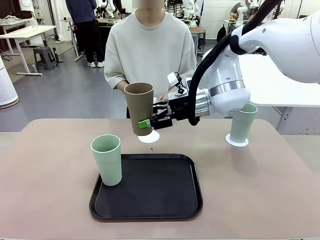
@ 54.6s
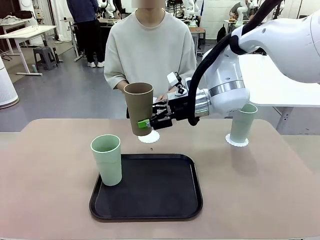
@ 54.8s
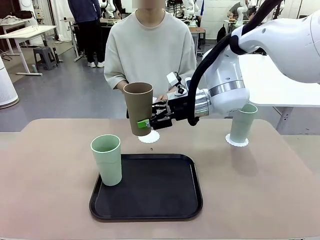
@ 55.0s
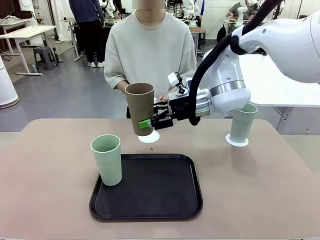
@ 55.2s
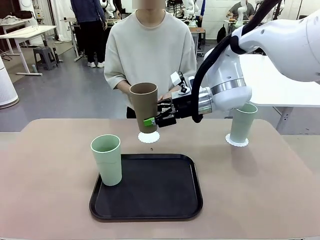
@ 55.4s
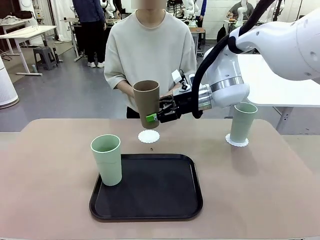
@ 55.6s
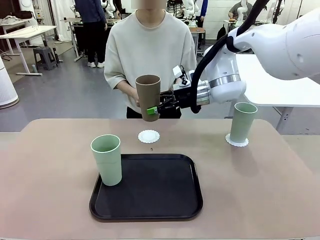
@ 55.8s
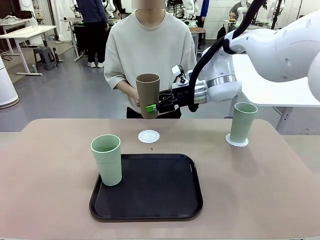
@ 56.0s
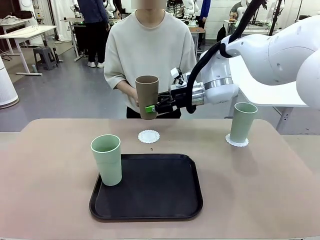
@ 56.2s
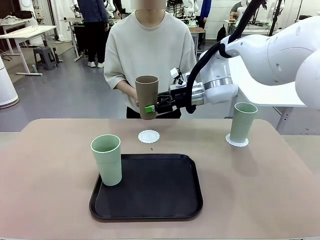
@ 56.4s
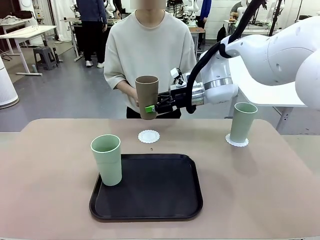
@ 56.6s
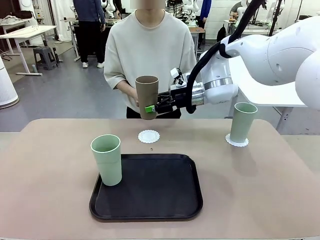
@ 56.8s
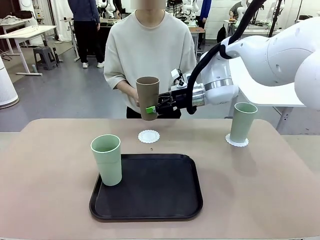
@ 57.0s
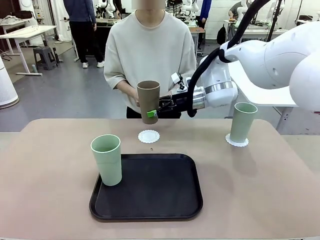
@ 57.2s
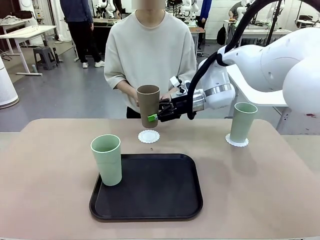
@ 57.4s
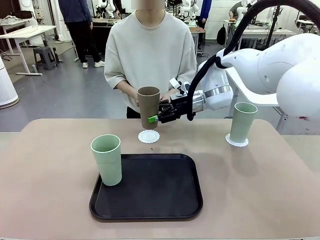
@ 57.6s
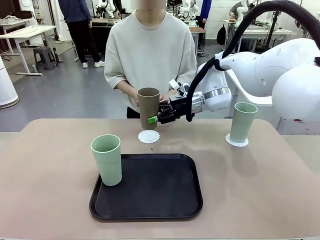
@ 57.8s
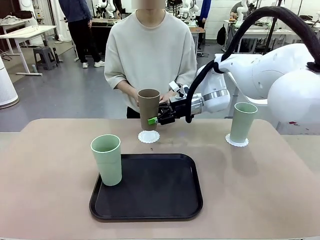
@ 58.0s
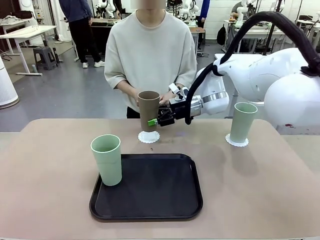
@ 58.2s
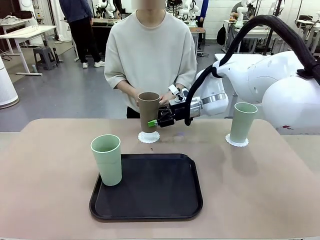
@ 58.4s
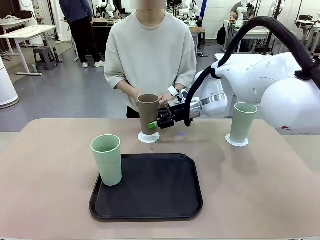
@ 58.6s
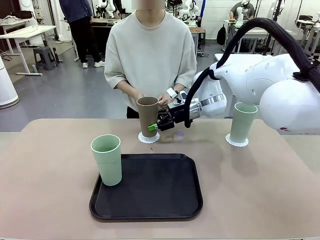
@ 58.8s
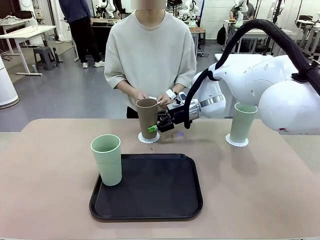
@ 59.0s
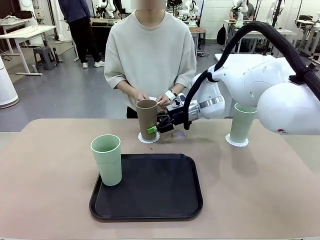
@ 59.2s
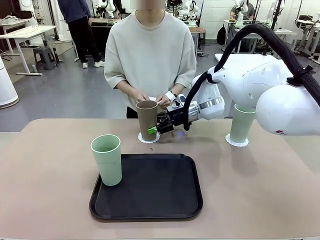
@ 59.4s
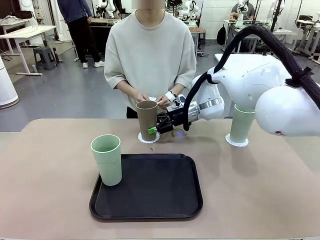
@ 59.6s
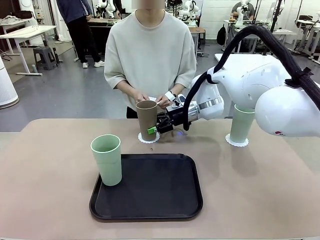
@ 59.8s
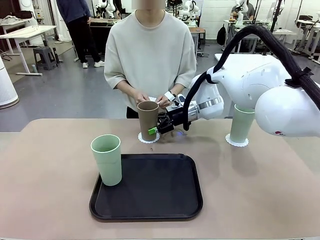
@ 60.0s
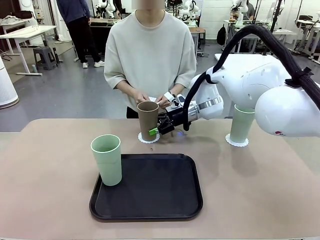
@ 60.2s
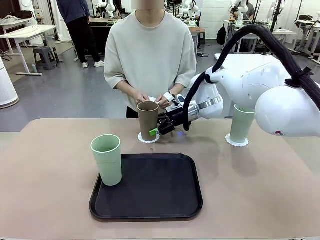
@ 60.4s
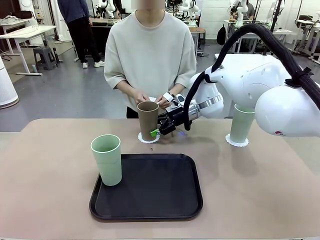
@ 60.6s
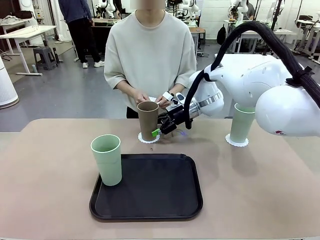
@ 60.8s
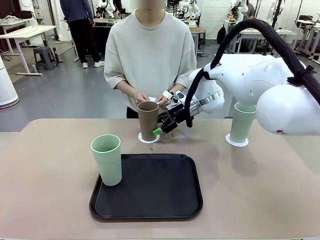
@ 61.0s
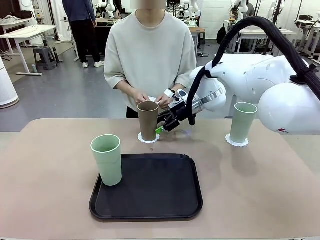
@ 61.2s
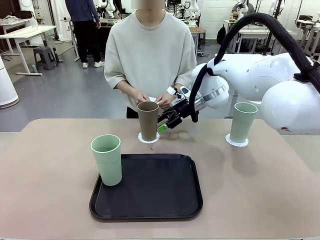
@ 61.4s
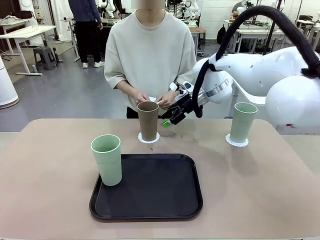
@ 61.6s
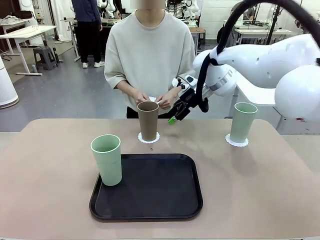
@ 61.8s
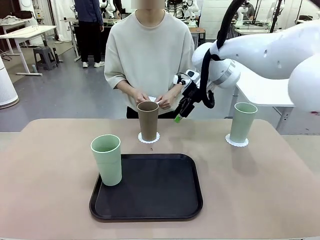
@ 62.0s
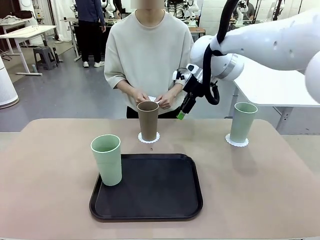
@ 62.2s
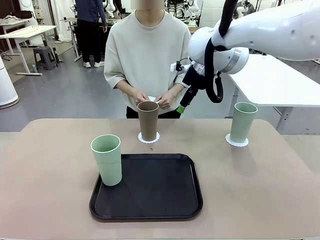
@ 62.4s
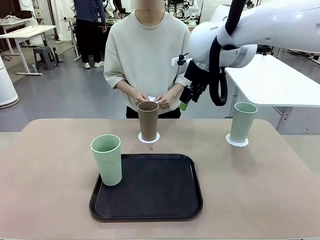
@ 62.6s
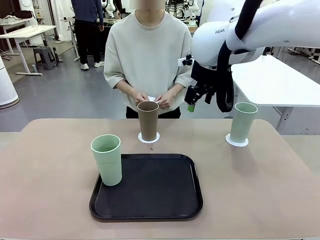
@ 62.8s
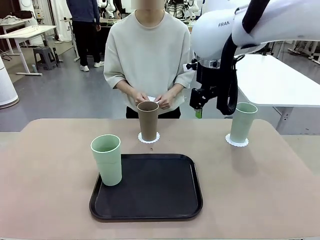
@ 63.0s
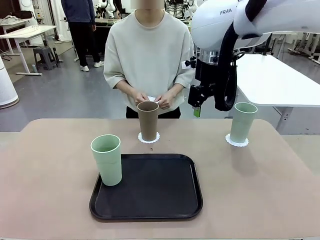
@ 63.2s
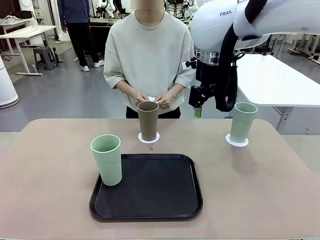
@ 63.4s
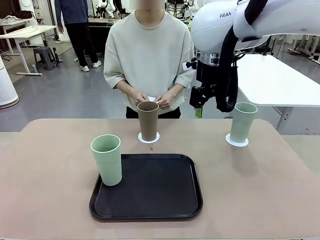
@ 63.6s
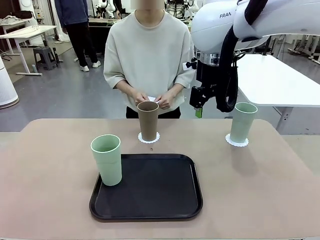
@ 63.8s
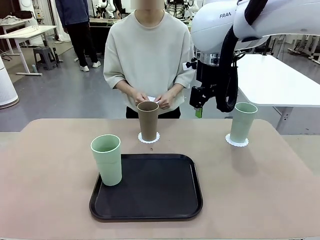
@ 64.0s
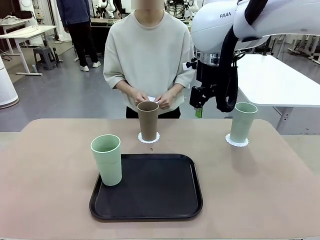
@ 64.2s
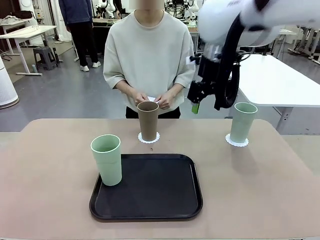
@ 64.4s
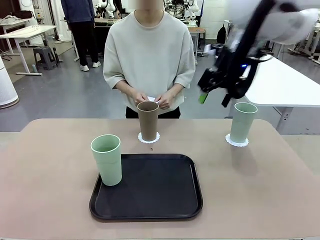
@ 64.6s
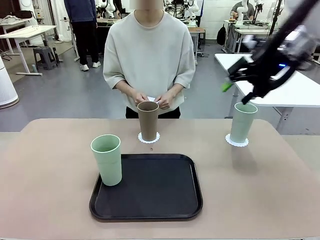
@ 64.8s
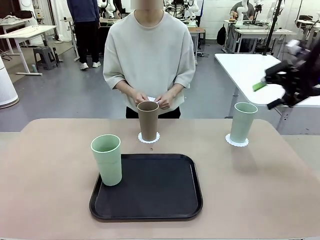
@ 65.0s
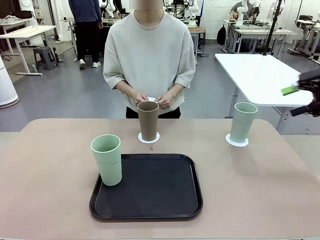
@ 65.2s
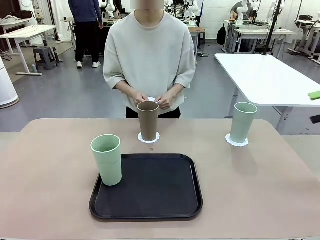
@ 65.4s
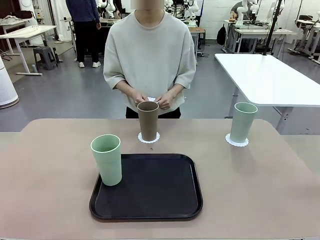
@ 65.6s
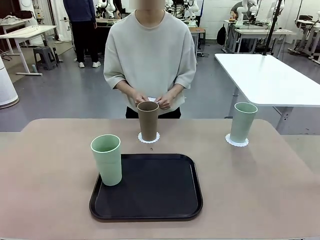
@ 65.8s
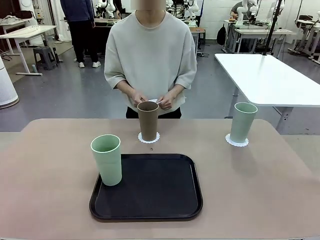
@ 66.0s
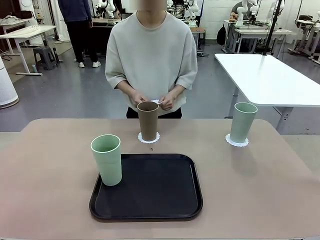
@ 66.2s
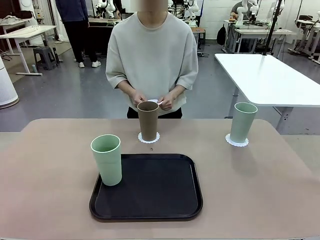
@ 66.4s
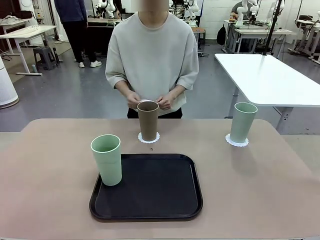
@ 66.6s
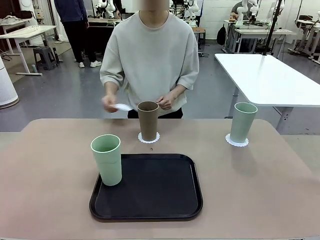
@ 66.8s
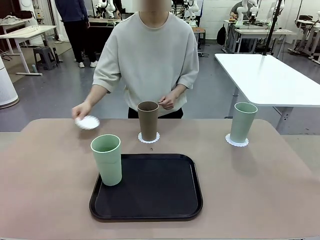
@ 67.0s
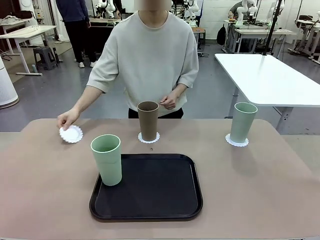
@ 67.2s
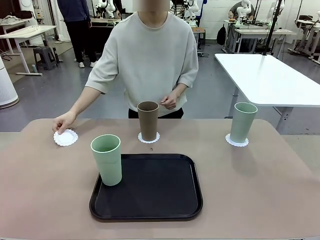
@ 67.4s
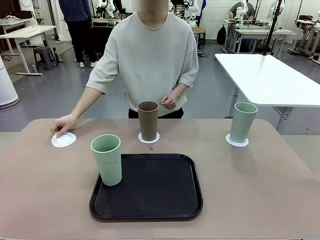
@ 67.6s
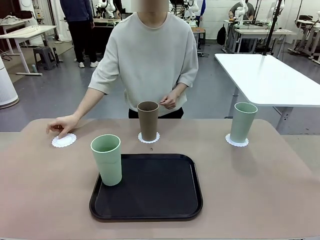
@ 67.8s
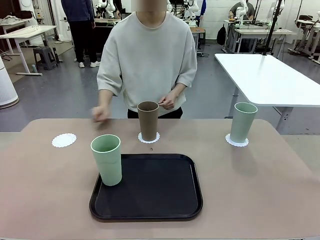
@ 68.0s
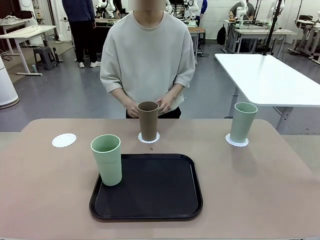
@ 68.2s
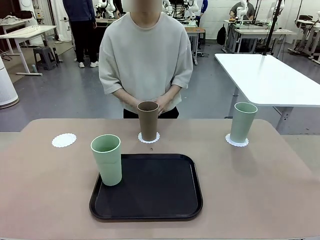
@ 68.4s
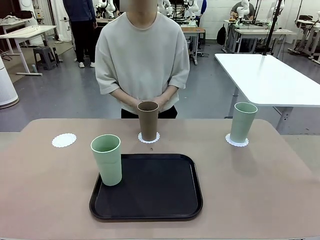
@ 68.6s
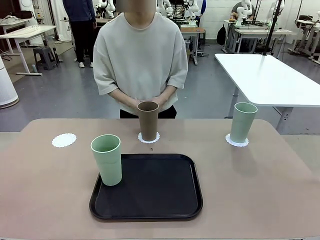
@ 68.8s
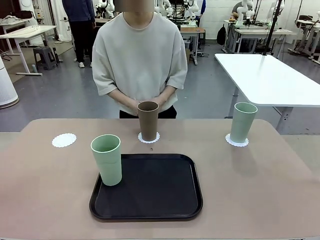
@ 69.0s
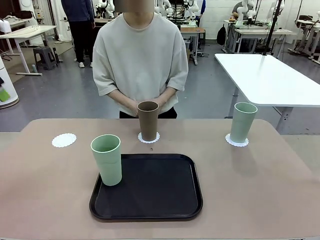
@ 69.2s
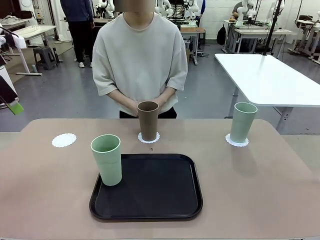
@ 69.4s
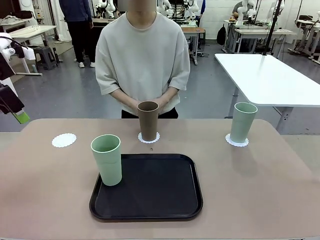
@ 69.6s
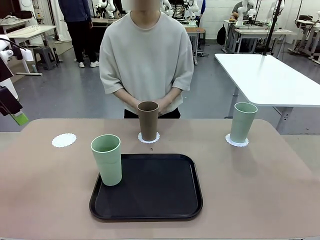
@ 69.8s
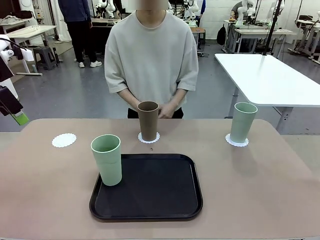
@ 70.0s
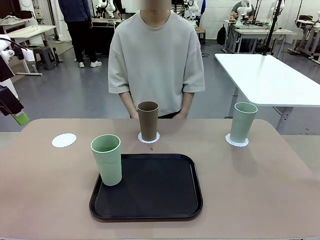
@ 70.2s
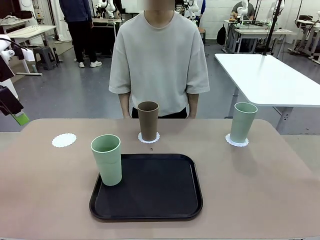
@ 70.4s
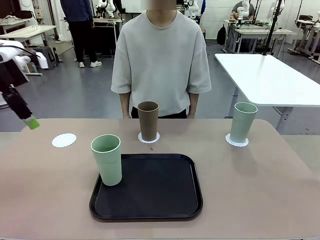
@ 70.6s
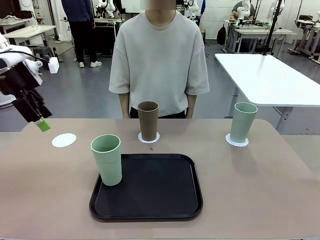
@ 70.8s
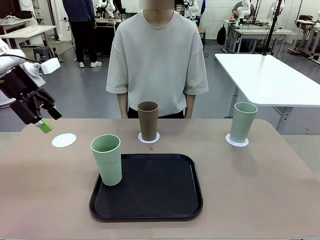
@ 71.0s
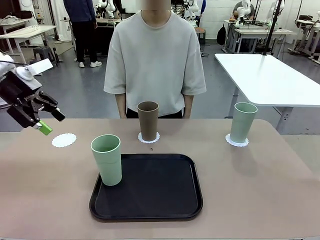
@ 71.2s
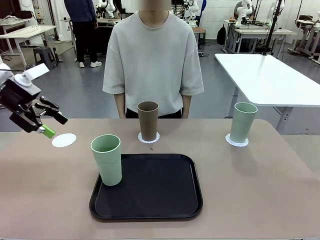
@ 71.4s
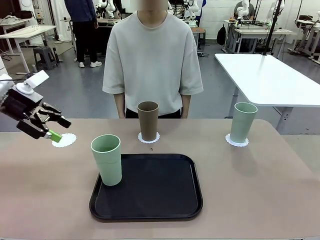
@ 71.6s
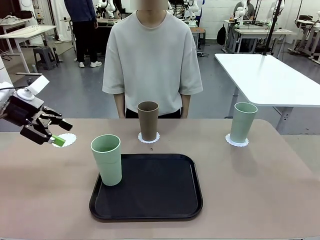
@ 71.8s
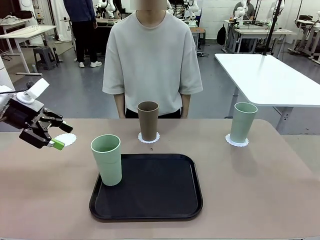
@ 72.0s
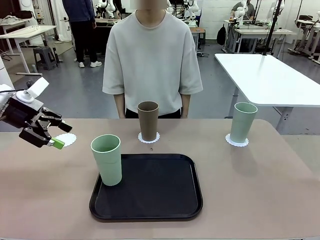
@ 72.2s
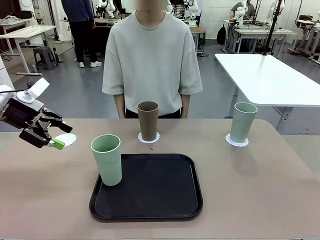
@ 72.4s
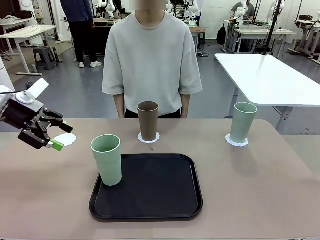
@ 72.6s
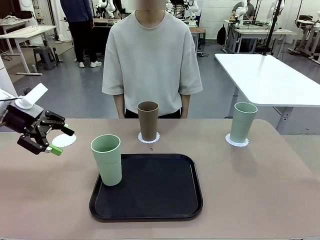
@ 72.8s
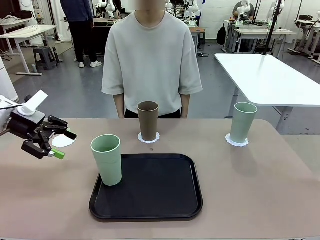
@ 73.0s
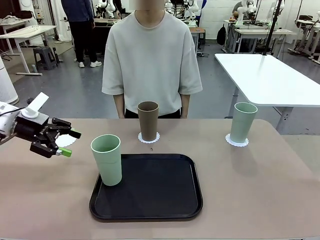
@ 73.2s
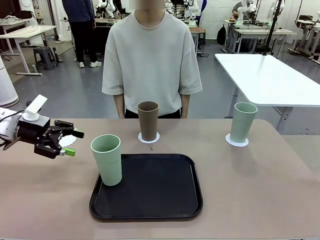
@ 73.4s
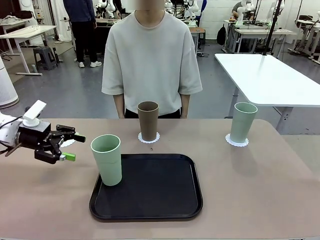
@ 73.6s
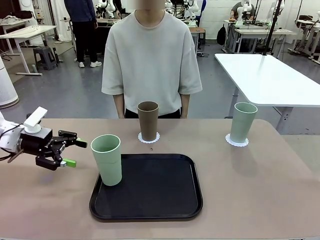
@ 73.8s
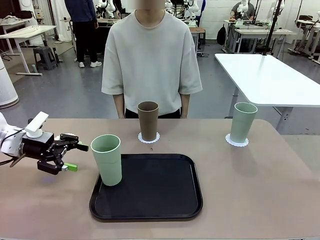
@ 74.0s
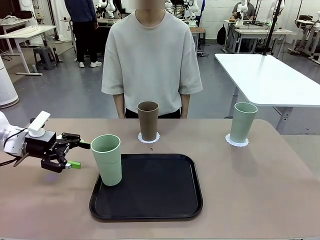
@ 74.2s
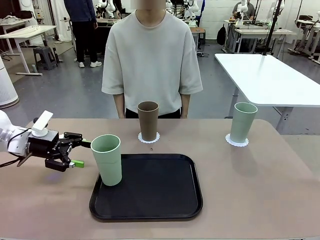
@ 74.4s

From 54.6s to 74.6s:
Task: Place coasters on the table and set cups on them.
Robot: Take one Reusable plastic cup from the Flat Tray and place it on a coaster set by the human.
